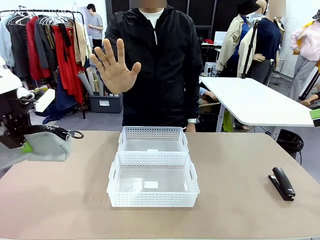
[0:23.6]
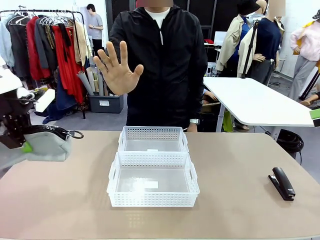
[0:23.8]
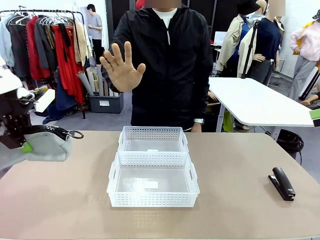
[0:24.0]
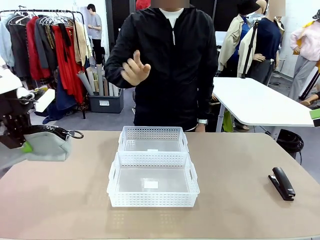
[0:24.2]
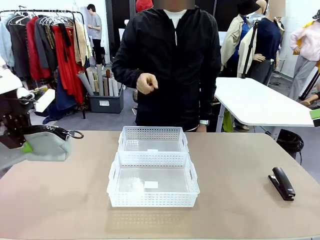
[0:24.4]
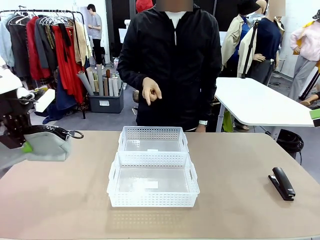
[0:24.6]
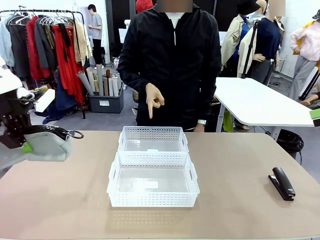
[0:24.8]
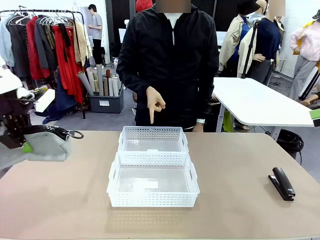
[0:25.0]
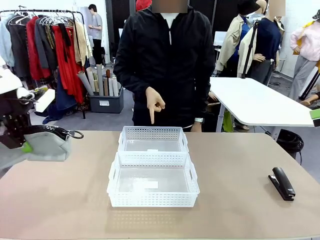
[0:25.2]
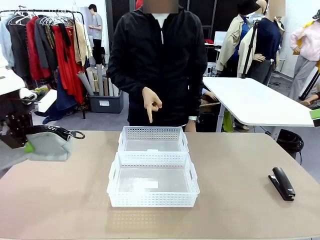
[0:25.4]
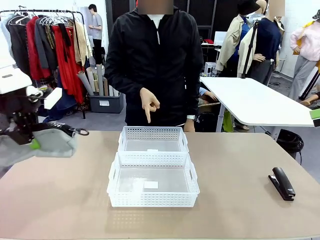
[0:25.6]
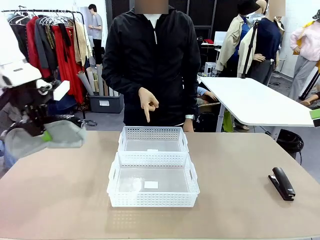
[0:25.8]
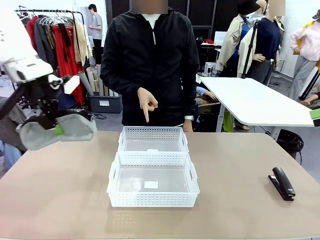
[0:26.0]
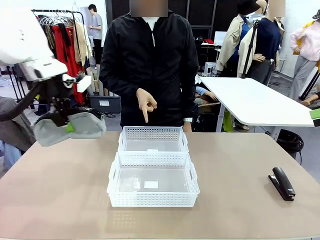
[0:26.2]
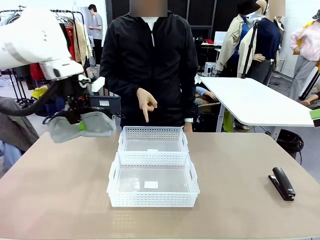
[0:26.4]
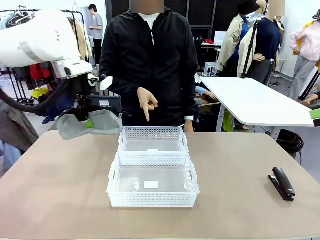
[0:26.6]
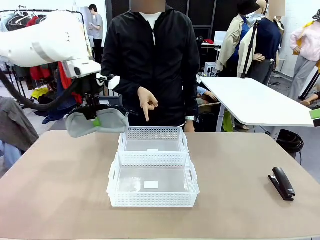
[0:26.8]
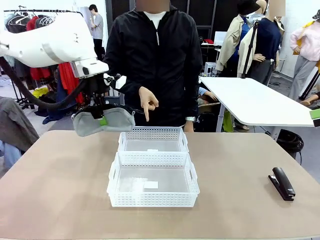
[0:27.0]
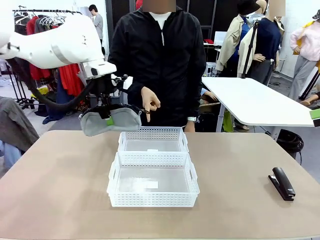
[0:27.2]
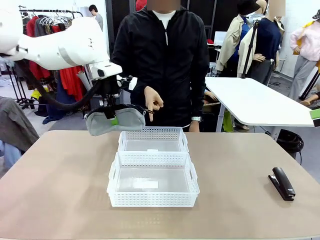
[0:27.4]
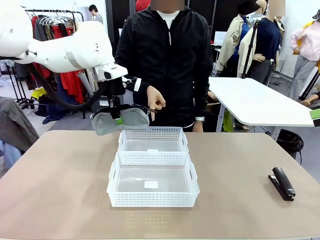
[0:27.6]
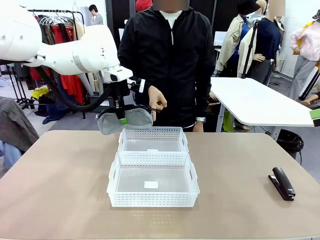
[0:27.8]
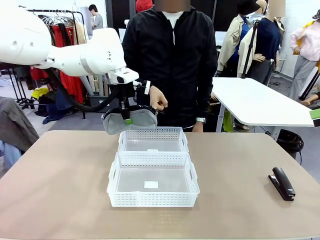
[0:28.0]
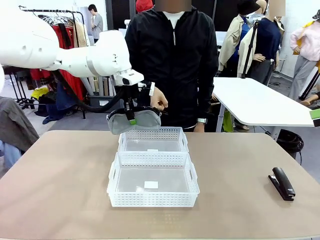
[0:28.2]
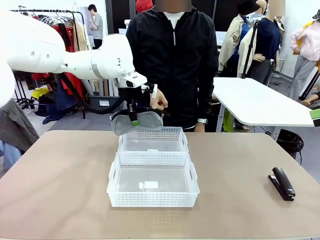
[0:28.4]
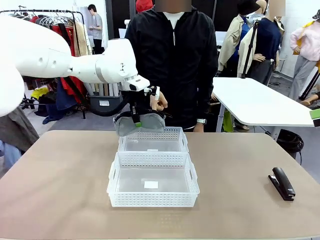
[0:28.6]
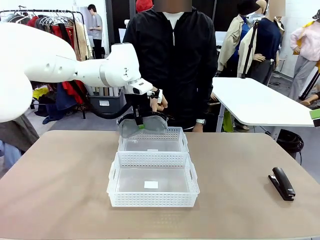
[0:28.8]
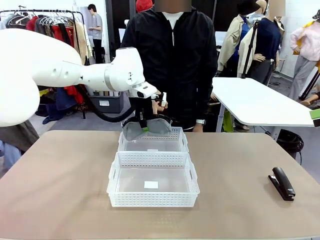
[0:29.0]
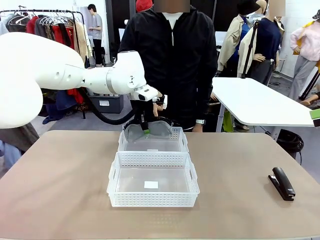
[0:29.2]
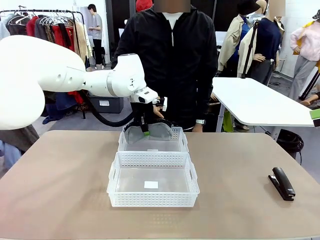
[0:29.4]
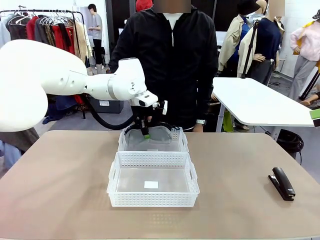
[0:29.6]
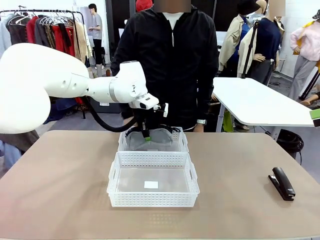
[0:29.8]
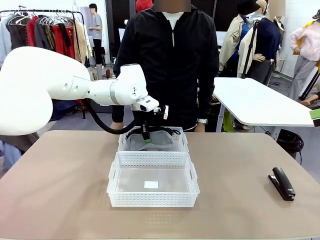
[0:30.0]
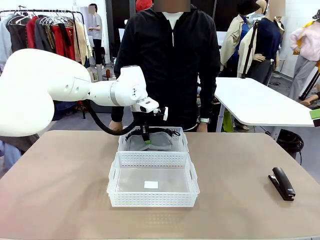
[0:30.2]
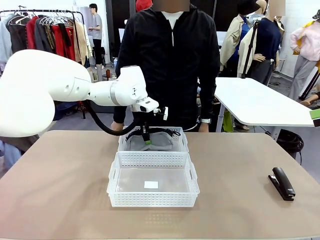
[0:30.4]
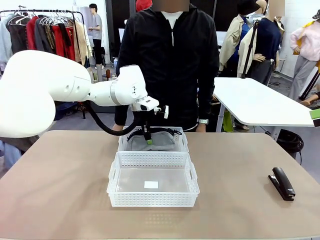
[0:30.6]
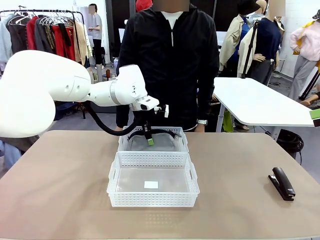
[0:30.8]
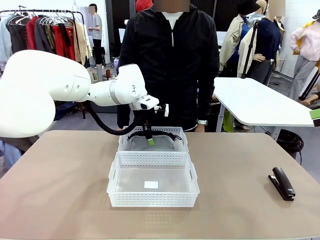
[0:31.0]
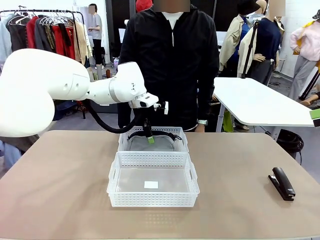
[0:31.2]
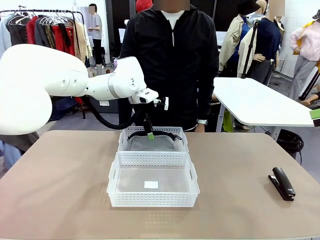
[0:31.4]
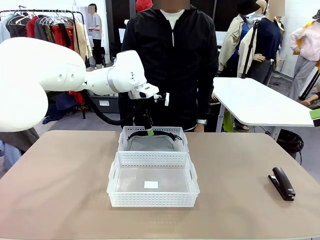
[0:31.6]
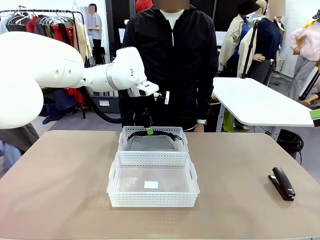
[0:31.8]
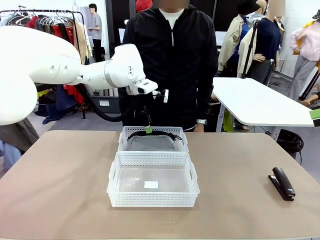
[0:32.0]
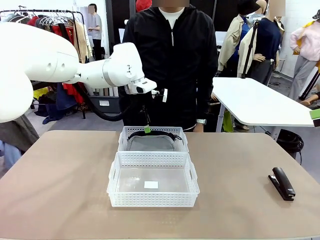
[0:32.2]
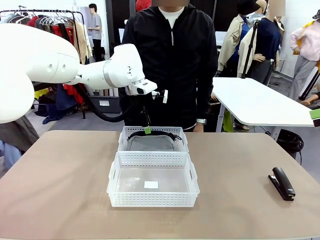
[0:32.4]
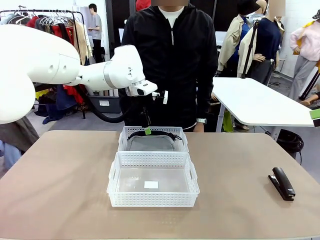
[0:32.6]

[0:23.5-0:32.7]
Task: Distribute items into two baskets.
Robot: Place the picked Pencil pouch into the Organizing basket as instructed by the person.
Person: Instructs the robot to place the pencil case into the opposite basket. Points to the stapler.

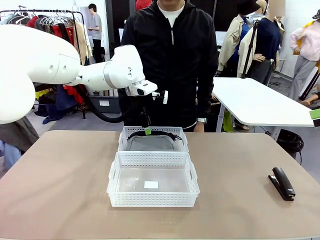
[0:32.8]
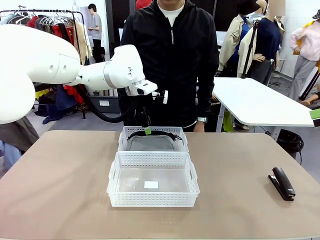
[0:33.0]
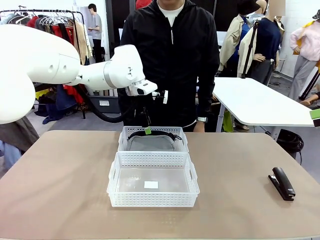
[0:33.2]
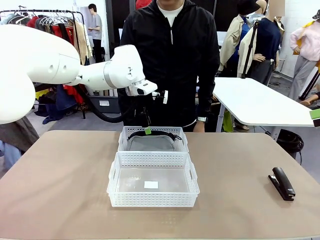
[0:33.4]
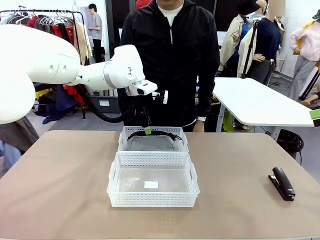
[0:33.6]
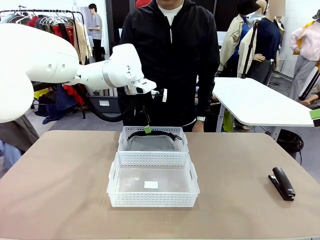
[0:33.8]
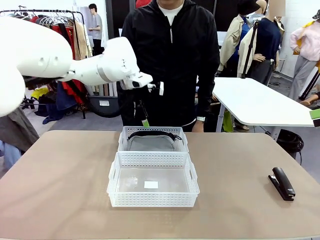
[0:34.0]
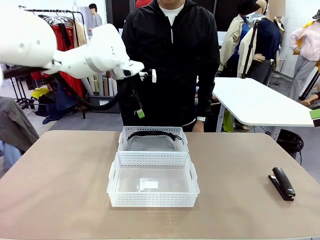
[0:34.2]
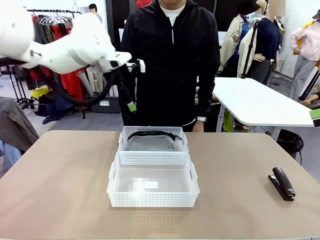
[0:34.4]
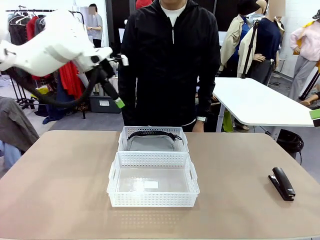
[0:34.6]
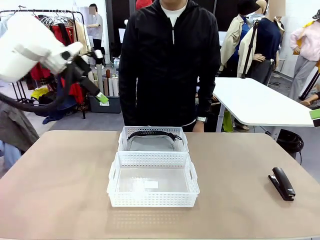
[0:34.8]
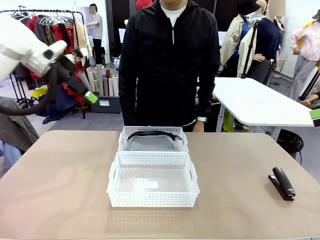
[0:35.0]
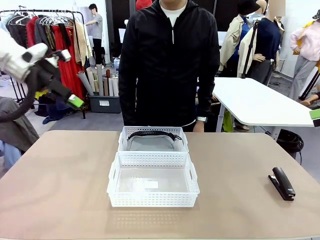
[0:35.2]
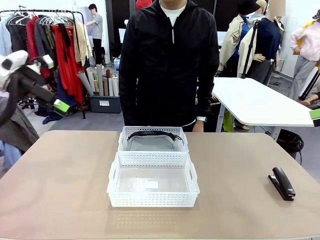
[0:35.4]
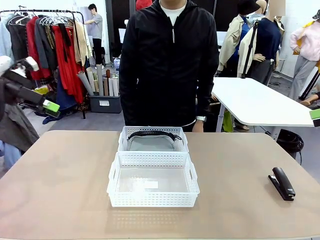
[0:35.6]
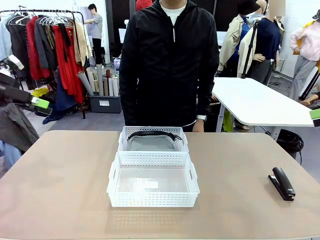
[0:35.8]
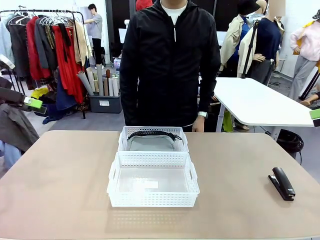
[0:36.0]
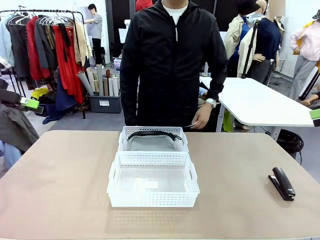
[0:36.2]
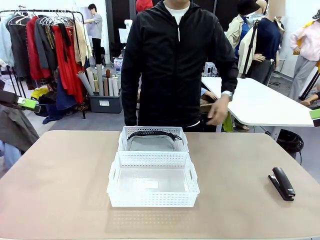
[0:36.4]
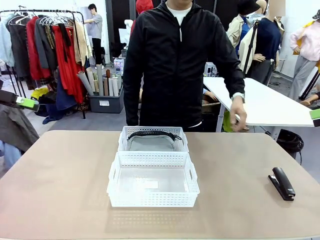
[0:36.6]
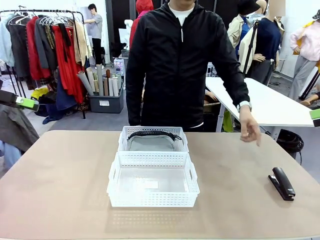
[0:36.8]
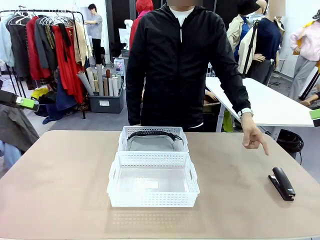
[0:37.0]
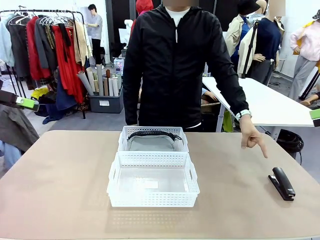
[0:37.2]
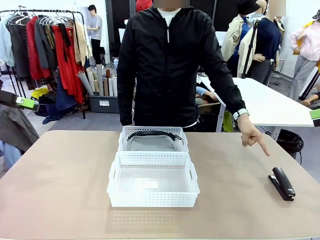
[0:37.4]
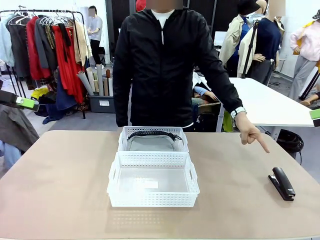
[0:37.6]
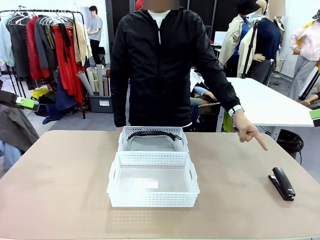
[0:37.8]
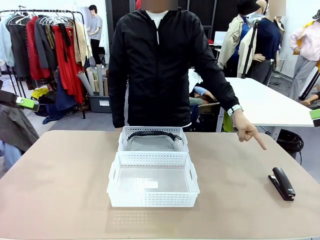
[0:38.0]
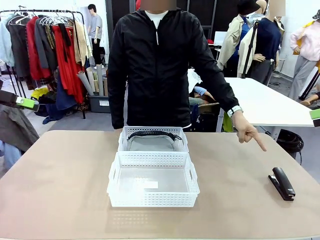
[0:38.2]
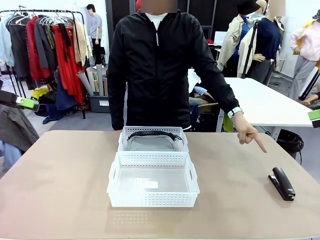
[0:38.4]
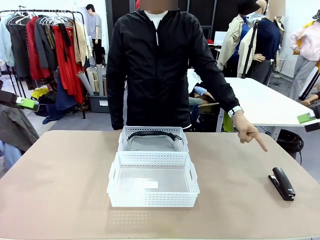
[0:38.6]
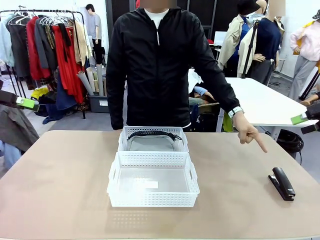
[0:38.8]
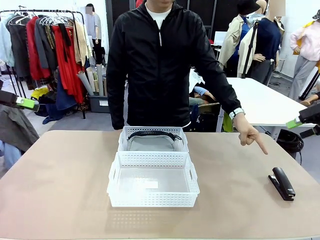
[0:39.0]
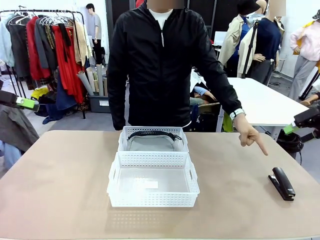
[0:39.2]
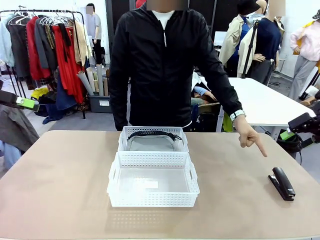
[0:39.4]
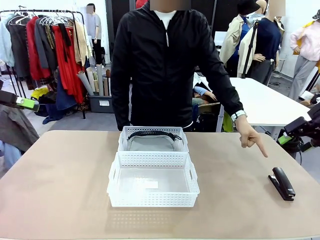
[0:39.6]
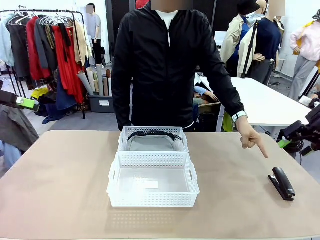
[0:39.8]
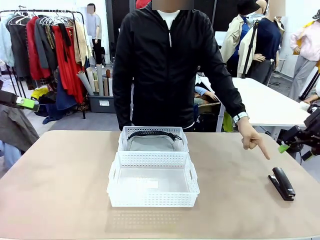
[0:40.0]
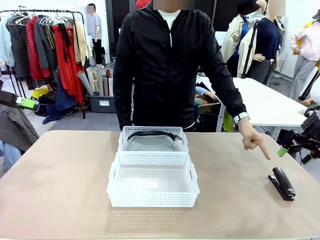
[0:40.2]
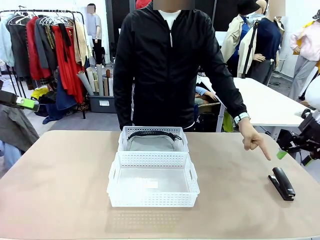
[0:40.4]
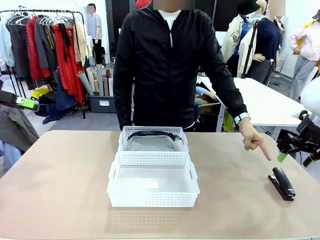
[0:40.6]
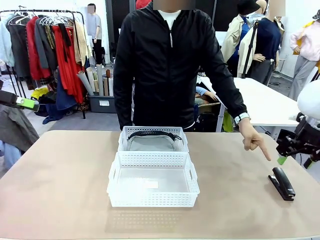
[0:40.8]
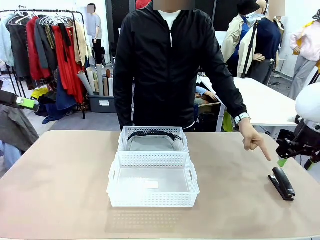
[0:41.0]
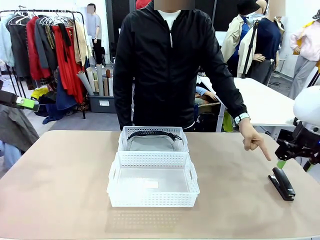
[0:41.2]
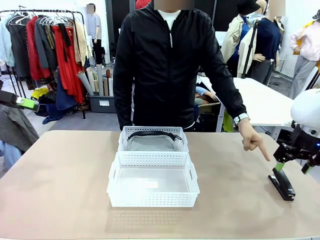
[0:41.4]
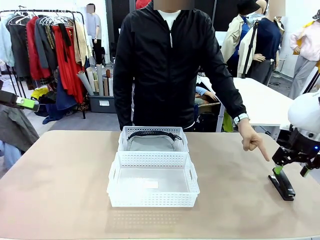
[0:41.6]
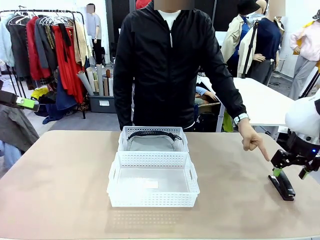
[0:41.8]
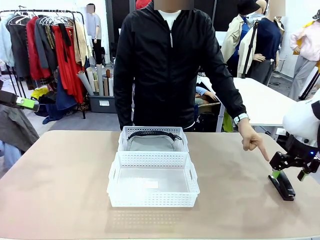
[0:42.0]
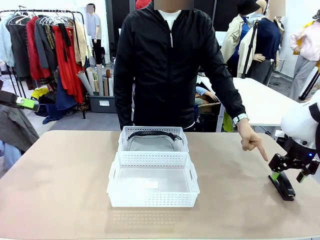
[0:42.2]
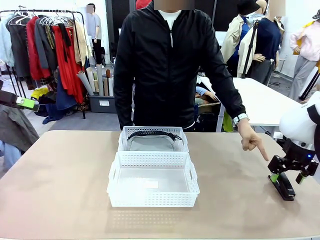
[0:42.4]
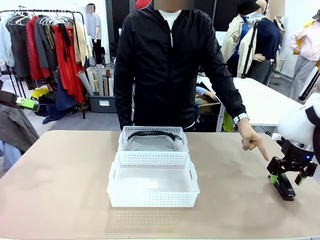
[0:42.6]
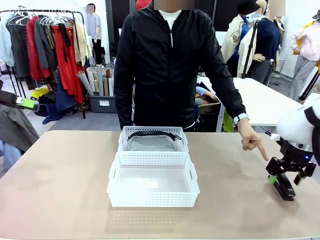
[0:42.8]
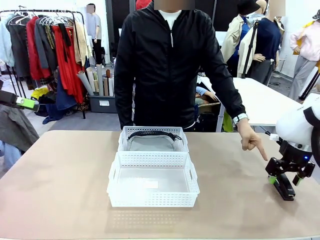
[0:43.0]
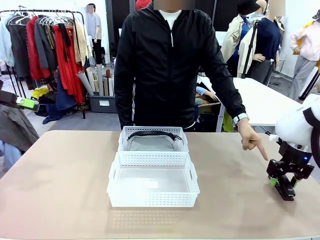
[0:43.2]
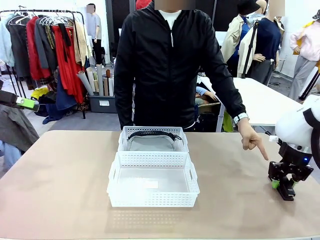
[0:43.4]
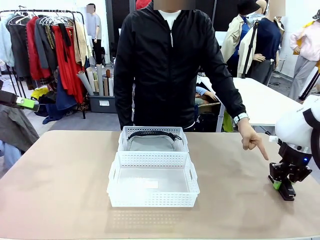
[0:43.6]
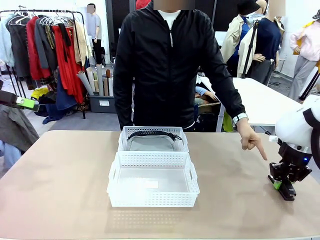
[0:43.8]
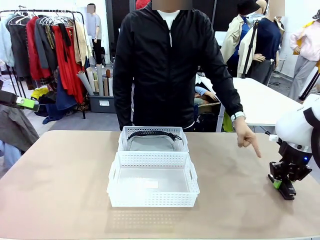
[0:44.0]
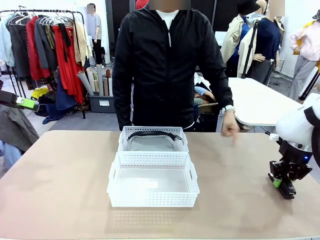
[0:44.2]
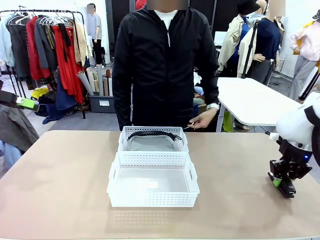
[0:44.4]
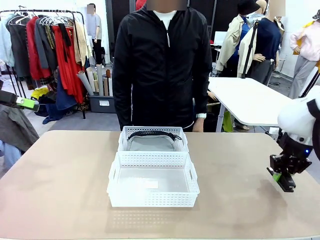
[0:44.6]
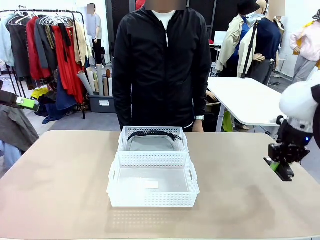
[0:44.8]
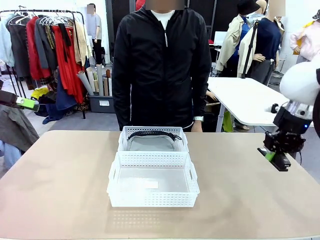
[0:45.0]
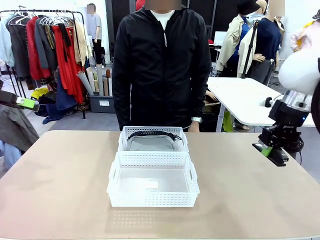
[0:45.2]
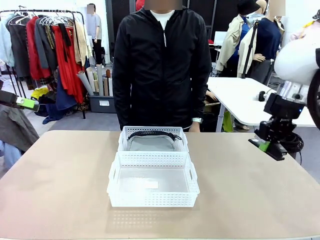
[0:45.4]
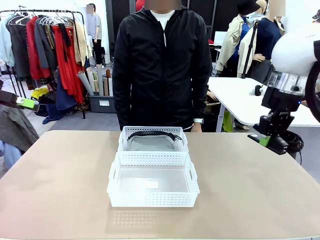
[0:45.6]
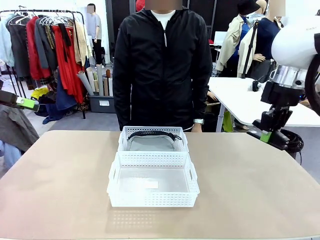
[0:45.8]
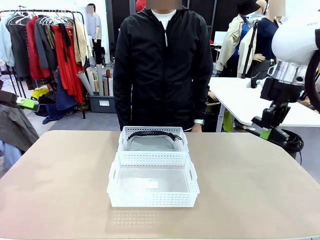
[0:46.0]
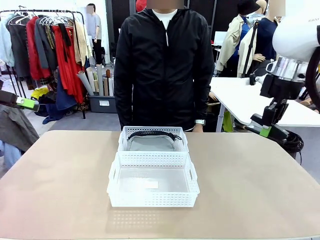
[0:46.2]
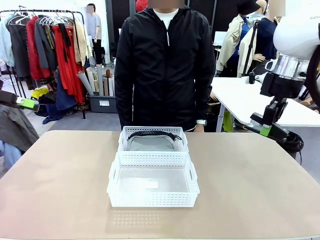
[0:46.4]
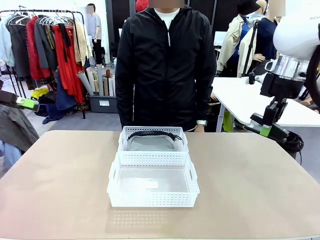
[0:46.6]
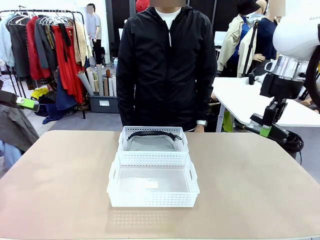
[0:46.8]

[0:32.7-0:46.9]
Robot: Pick up the Stapler that the person points to.
